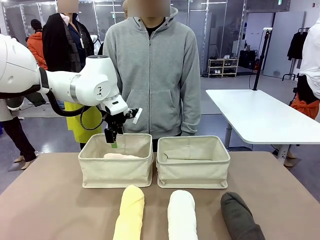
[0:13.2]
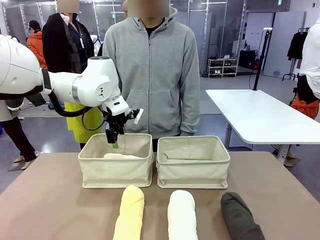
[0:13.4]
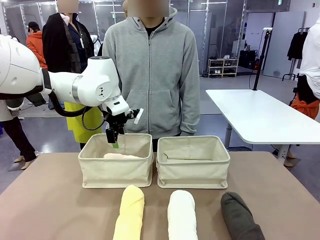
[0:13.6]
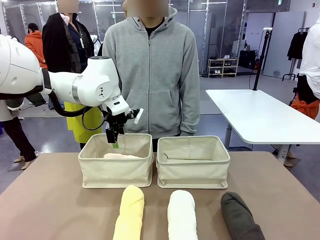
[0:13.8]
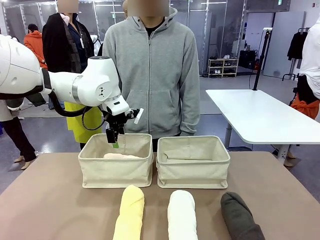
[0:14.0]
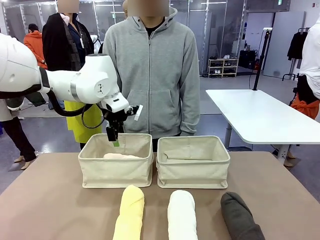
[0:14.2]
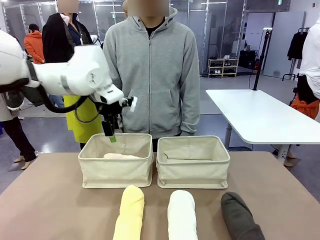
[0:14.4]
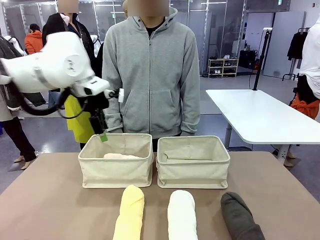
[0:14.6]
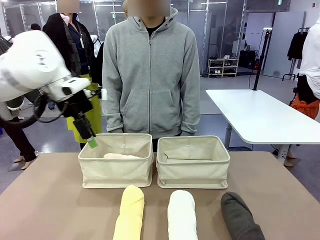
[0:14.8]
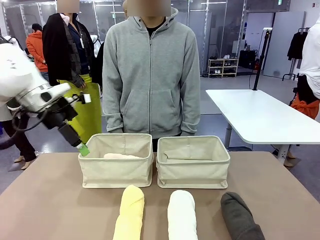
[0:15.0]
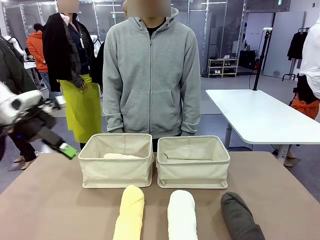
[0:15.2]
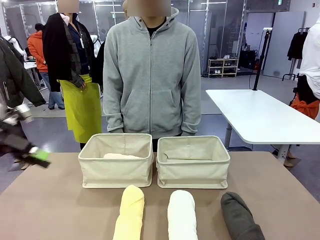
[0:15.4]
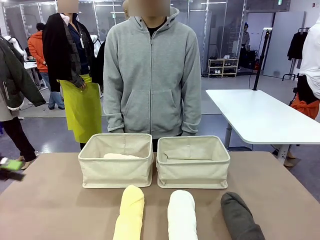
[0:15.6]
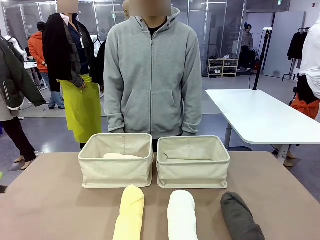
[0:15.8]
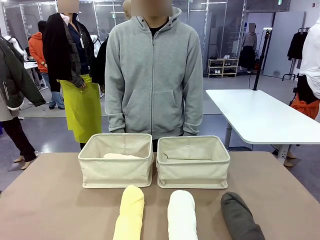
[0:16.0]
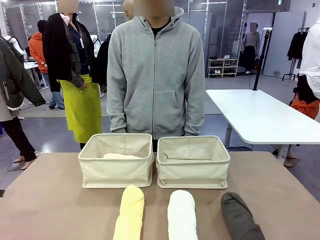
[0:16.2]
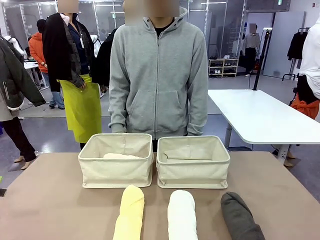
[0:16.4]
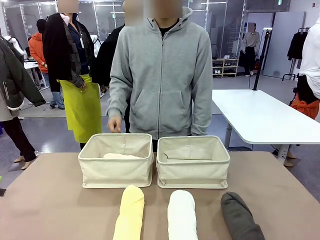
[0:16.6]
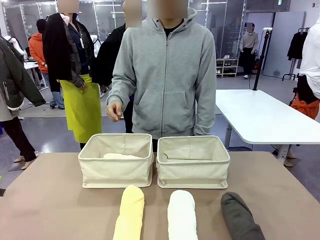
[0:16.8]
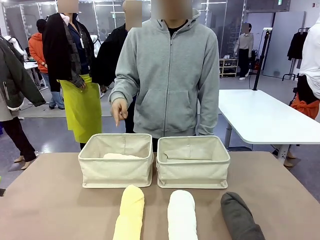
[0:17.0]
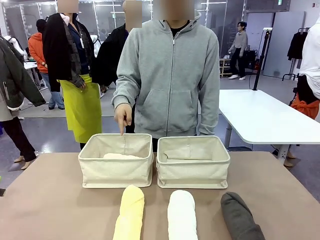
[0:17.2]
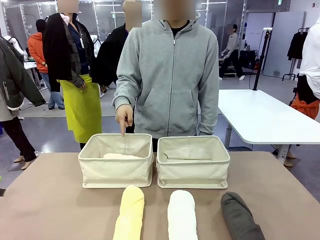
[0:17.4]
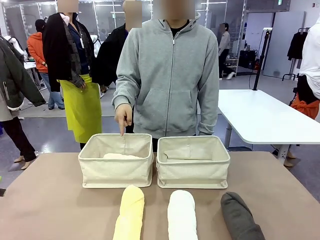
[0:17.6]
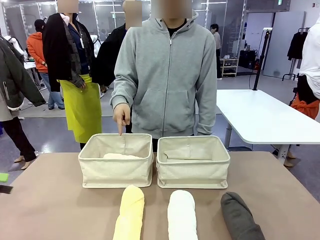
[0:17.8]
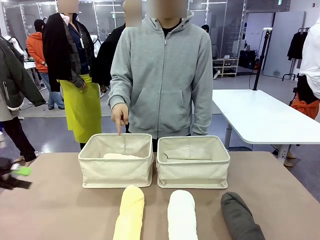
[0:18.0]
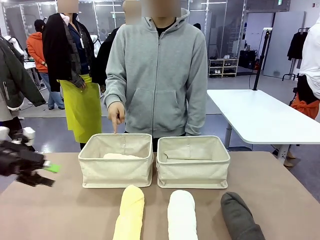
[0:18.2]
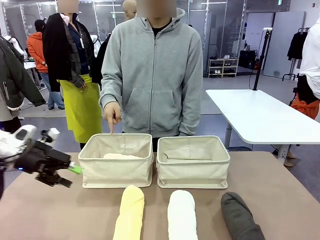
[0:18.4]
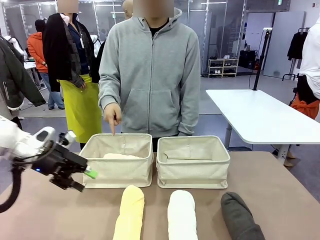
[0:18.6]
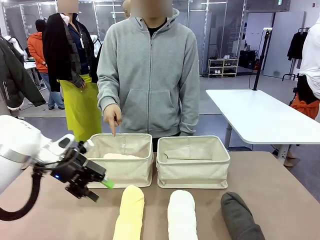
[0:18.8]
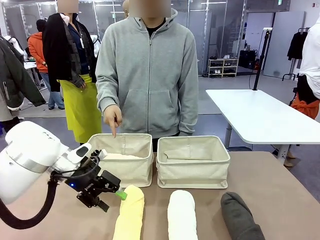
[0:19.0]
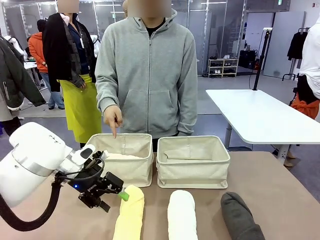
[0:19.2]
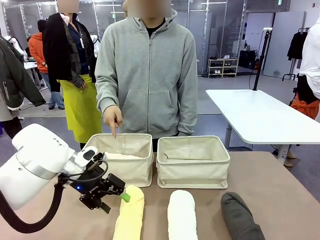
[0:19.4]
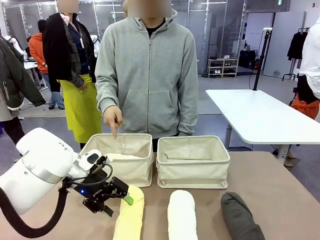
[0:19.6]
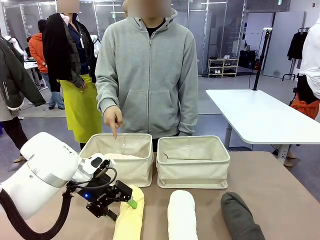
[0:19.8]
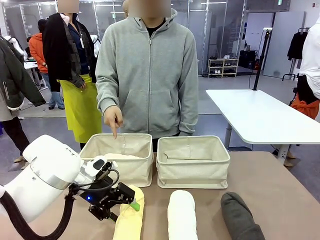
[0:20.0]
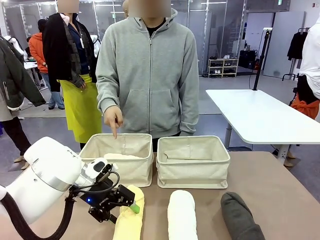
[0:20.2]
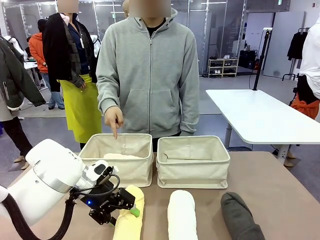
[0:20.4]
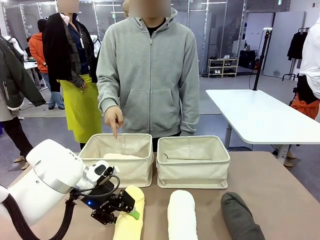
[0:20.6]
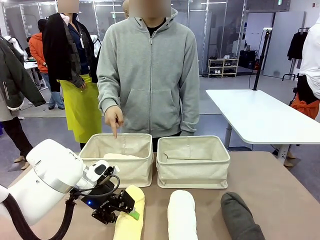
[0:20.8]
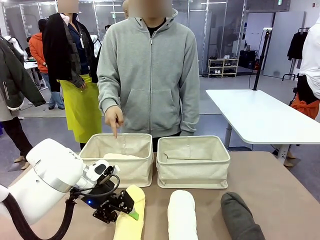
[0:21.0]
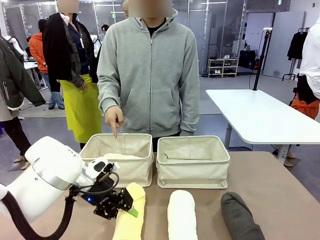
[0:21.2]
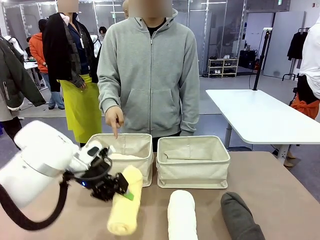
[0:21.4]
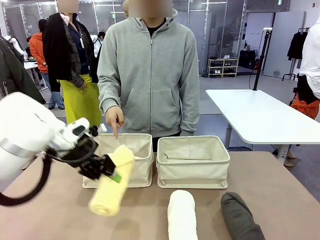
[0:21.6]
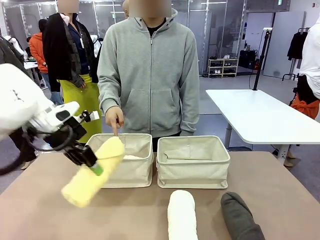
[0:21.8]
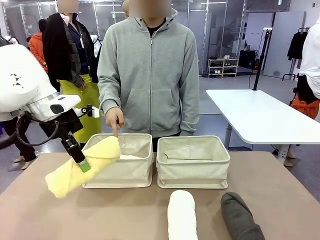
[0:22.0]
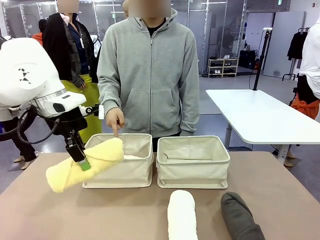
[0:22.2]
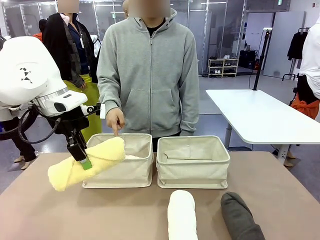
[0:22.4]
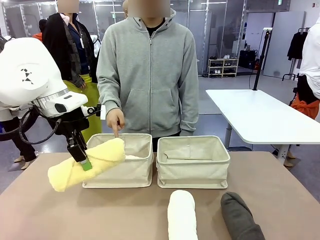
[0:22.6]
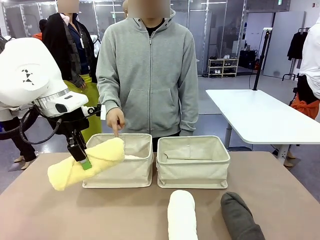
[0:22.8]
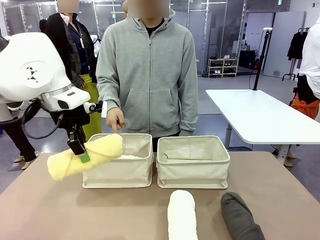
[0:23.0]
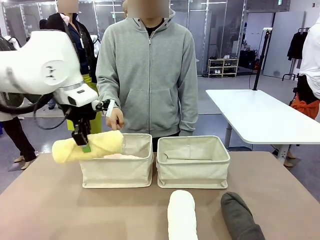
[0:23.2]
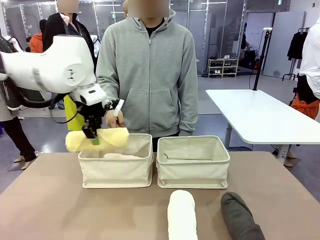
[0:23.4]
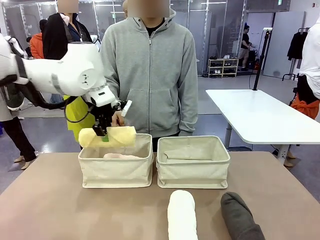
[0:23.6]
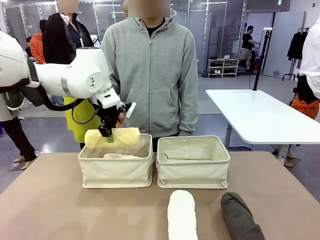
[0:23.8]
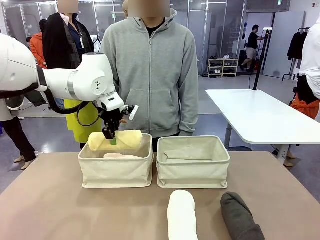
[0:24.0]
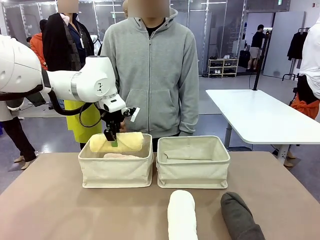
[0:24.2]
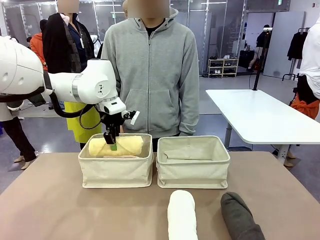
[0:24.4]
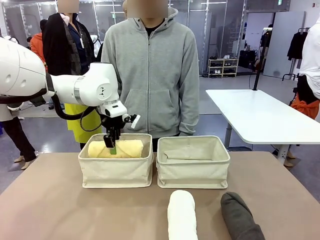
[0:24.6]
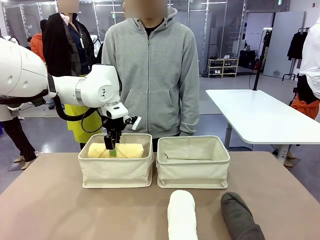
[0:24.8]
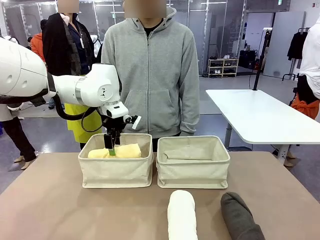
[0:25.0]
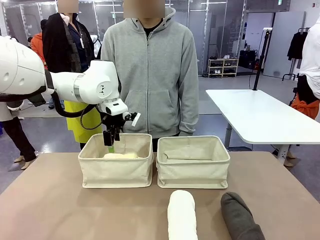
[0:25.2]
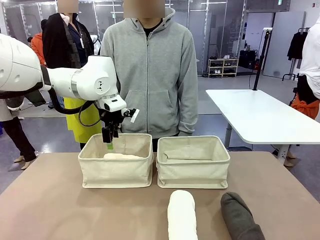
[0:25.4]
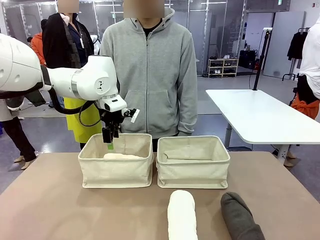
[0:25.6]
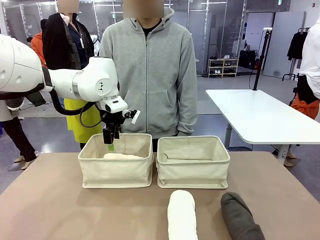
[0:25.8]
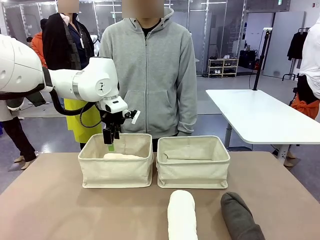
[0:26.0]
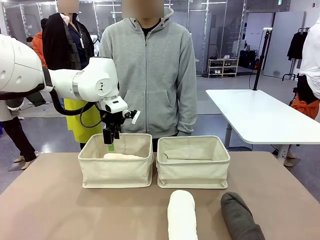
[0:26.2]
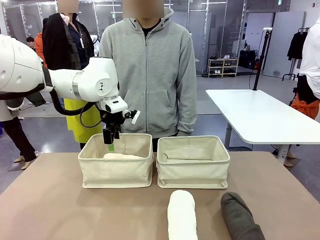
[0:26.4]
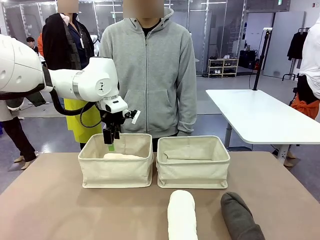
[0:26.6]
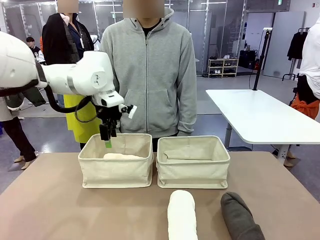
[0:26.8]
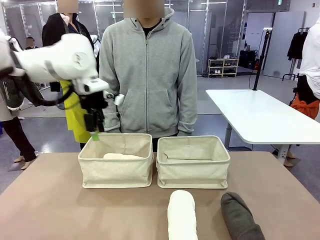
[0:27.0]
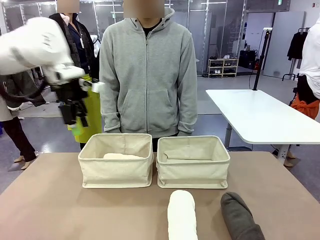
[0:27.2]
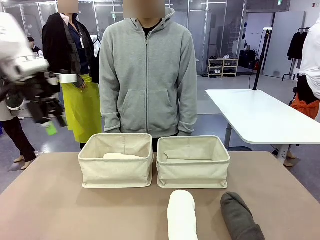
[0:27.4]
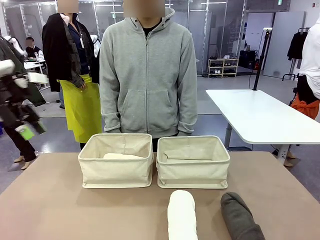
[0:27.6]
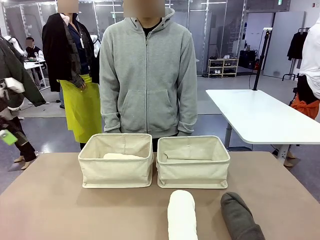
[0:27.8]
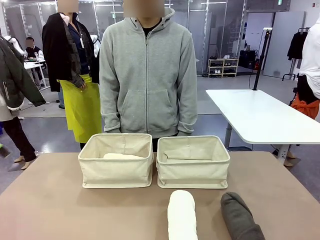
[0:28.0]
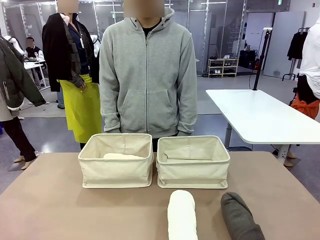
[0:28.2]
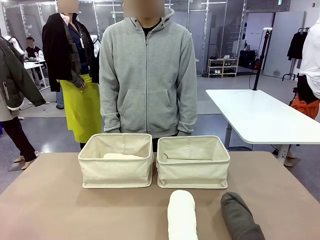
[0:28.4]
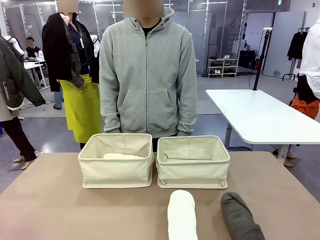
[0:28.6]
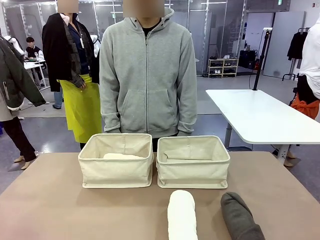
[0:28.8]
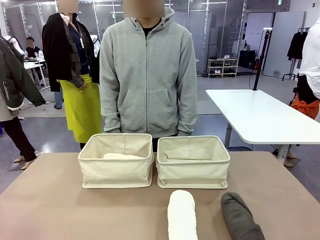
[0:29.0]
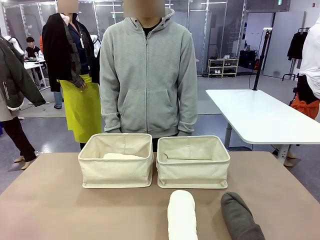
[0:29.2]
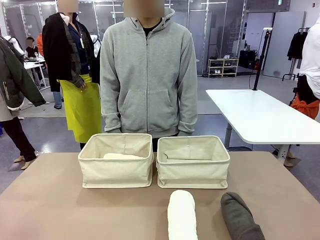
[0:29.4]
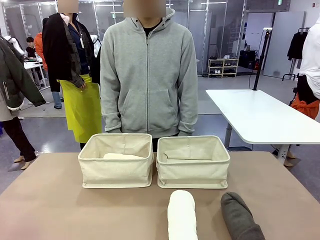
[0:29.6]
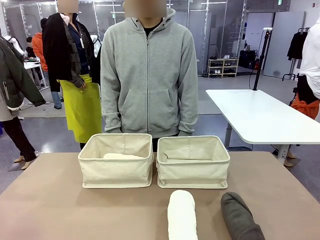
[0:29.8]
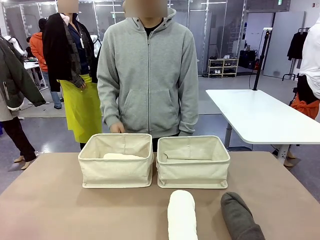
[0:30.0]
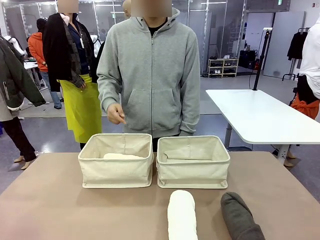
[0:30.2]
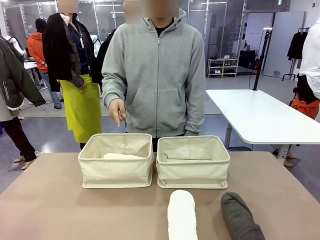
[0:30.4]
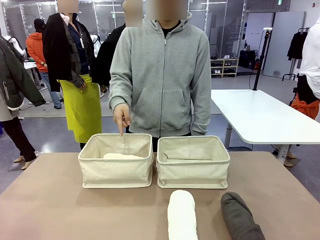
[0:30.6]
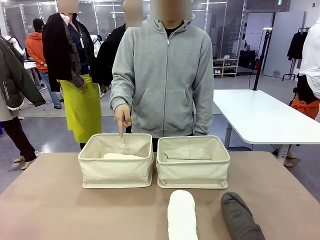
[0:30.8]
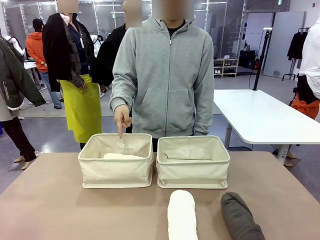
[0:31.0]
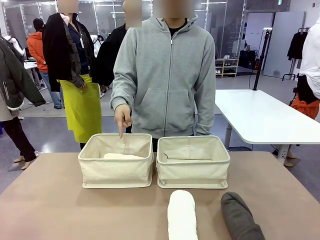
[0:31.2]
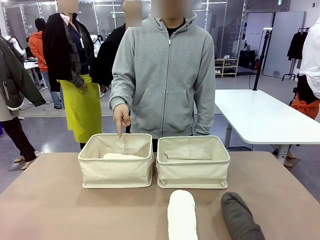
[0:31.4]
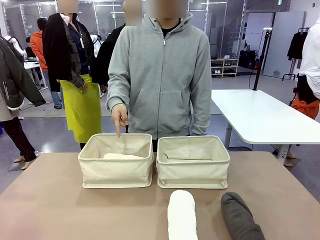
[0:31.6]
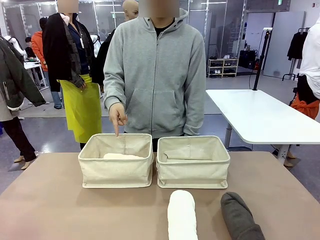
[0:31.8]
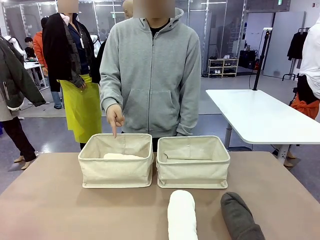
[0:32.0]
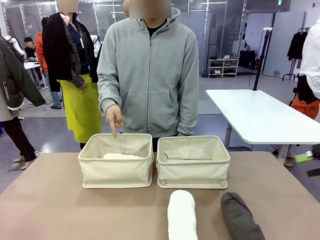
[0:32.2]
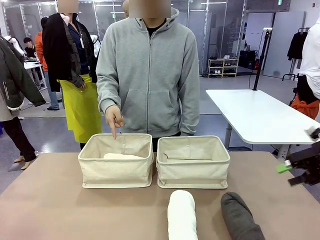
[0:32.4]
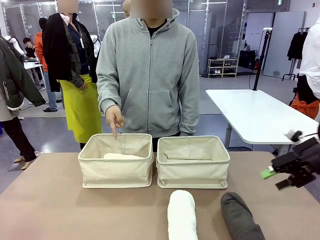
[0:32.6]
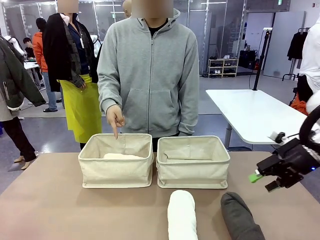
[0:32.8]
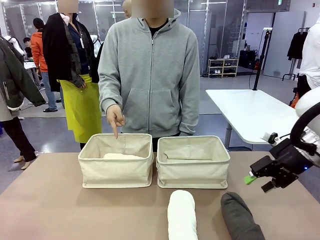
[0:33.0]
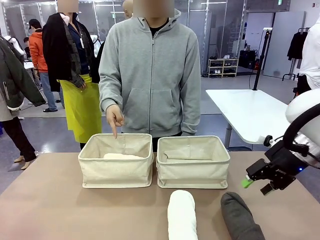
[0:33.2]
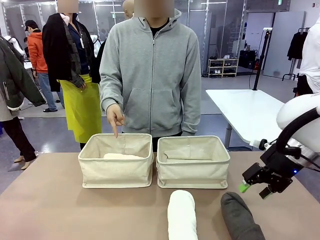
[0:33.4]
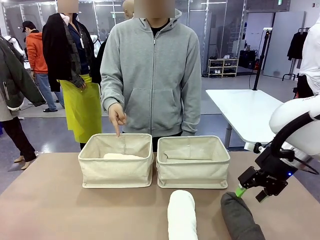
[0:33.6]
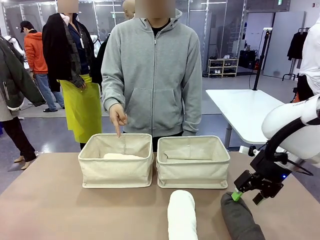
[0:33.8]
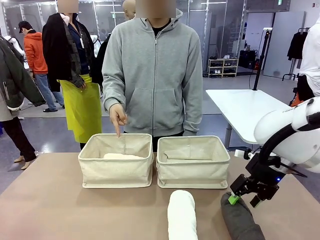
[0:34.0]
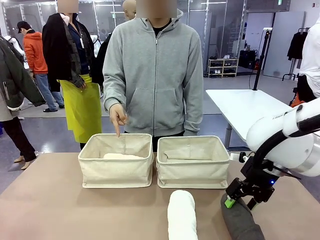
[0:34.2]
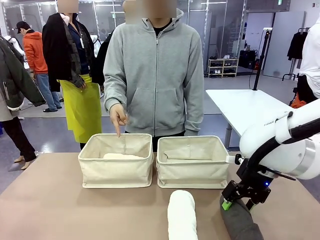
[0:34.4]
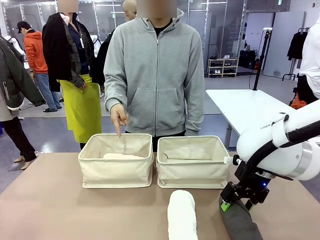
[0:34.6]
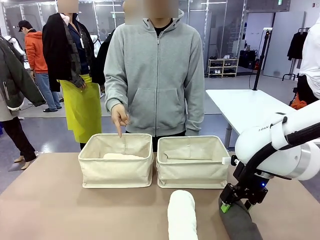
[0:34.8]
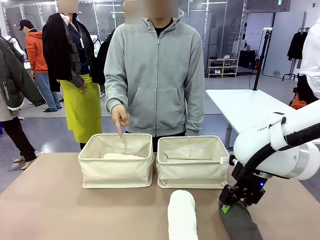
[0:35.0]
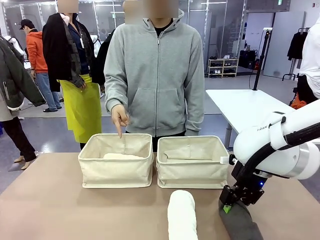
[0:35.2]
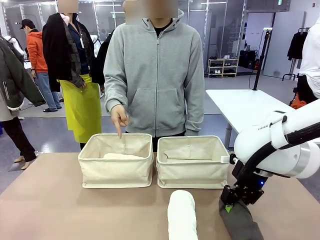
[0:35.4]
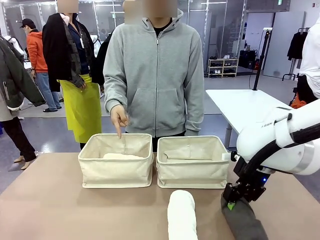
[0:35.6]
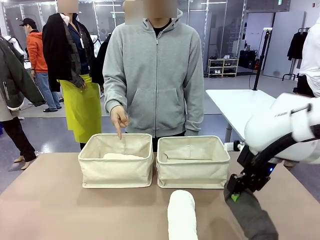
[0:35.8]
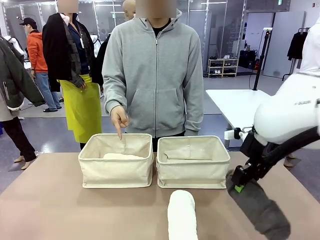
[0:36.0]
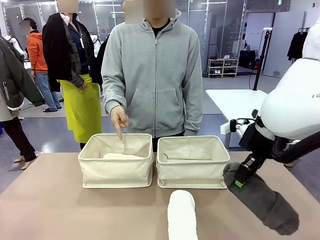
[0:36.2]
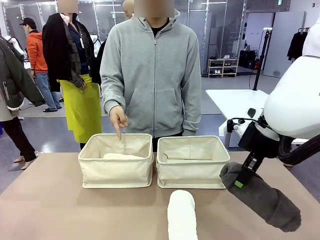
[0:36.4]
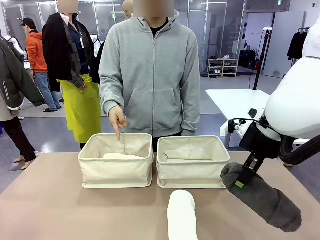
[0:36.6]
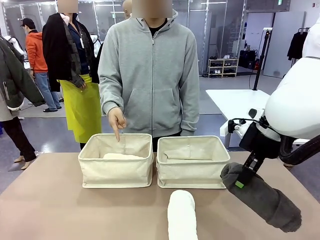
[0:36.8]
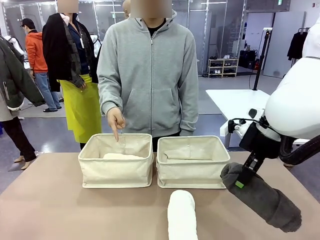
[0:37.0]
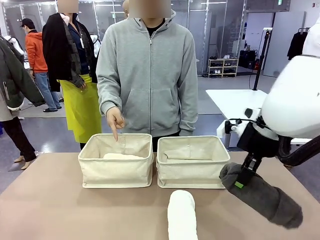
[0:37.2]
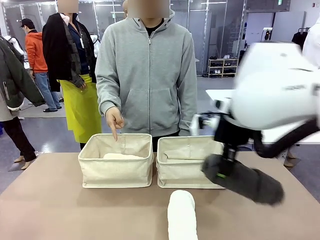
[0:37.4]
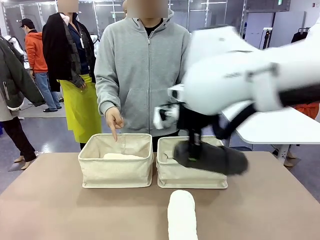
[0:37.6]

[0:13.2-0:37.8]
Task: Divide the towels into two baskets.
Robot: Pick up one hotel-folded towel from the bottom of the table and place it in the Fabric basket indicated by the person.
